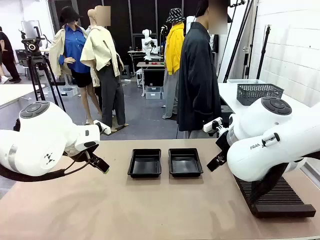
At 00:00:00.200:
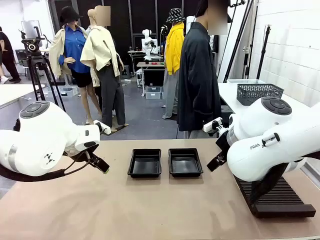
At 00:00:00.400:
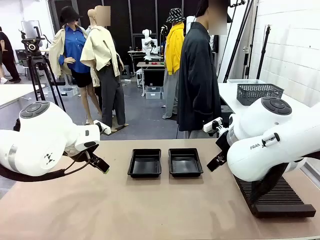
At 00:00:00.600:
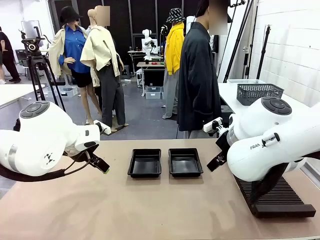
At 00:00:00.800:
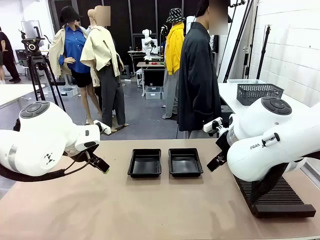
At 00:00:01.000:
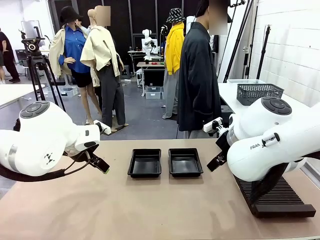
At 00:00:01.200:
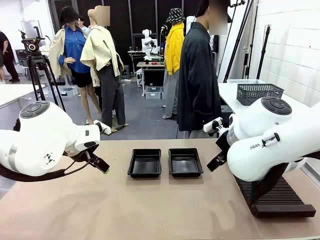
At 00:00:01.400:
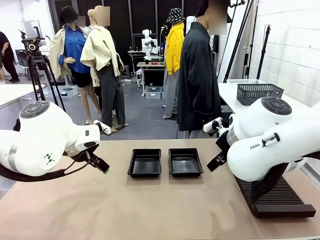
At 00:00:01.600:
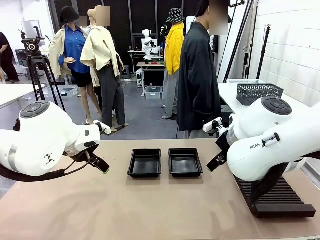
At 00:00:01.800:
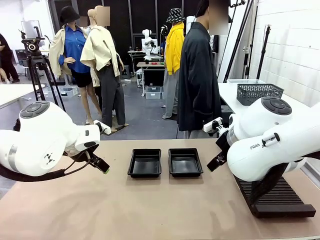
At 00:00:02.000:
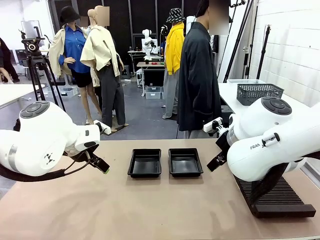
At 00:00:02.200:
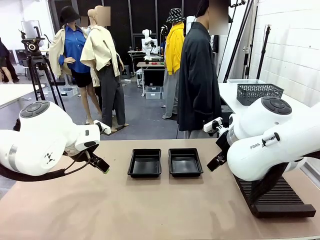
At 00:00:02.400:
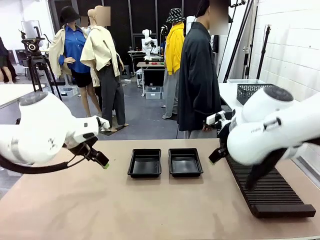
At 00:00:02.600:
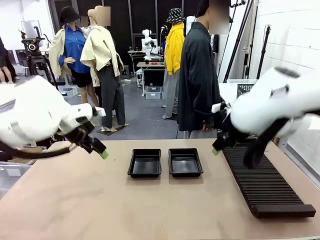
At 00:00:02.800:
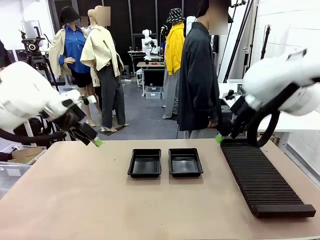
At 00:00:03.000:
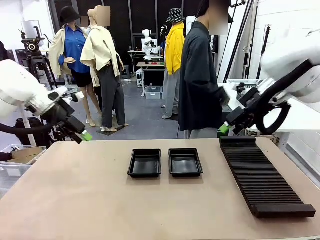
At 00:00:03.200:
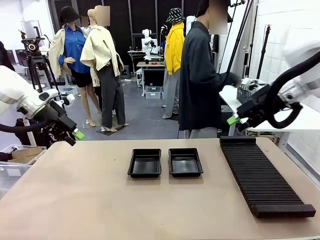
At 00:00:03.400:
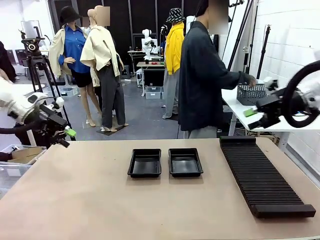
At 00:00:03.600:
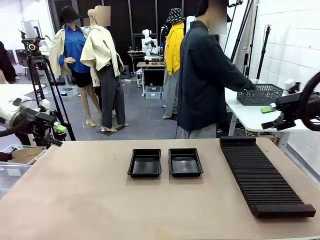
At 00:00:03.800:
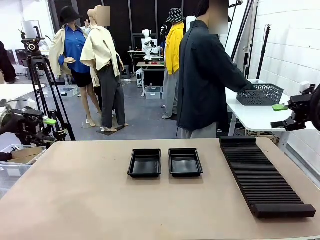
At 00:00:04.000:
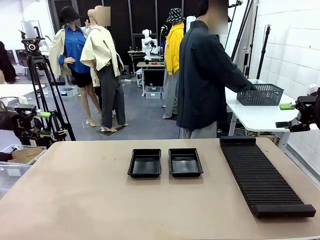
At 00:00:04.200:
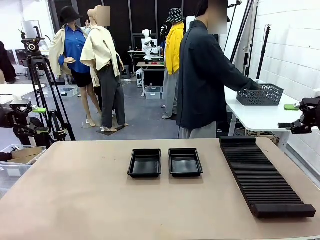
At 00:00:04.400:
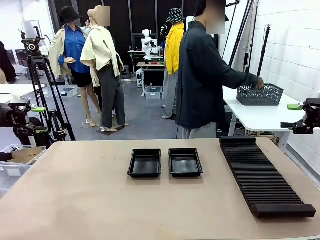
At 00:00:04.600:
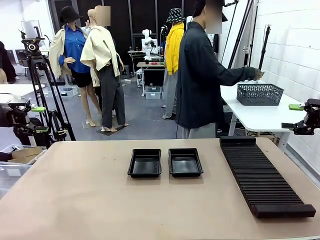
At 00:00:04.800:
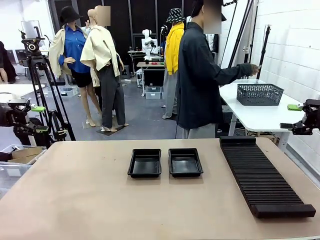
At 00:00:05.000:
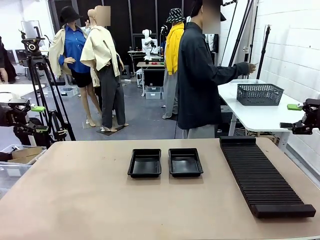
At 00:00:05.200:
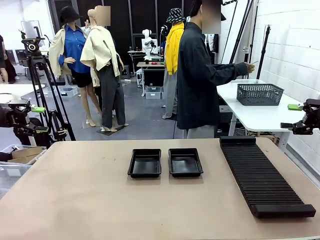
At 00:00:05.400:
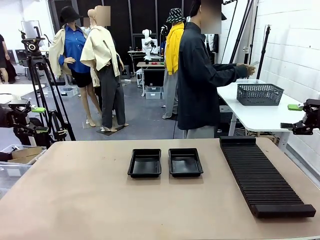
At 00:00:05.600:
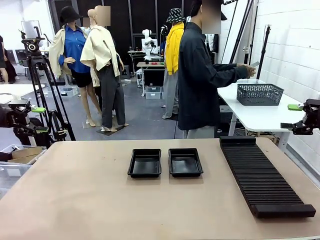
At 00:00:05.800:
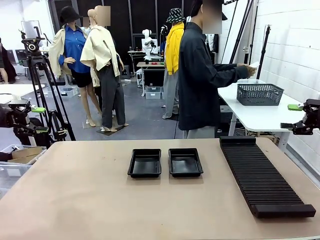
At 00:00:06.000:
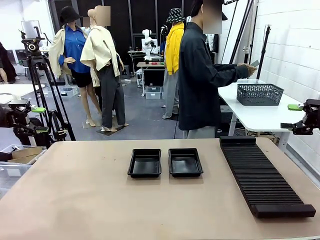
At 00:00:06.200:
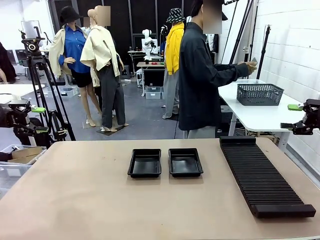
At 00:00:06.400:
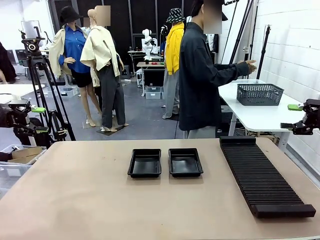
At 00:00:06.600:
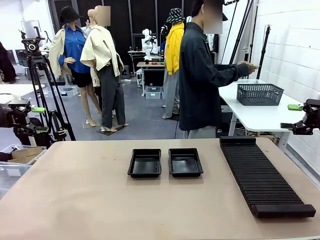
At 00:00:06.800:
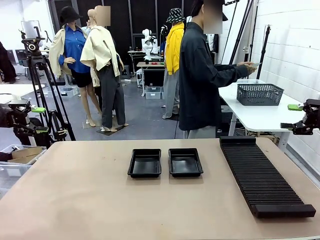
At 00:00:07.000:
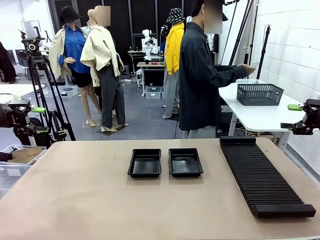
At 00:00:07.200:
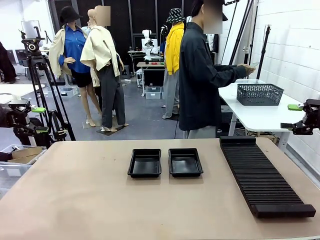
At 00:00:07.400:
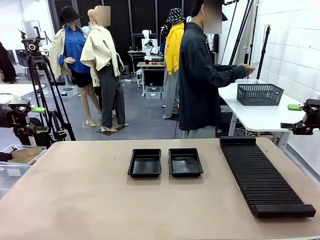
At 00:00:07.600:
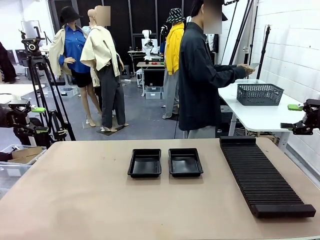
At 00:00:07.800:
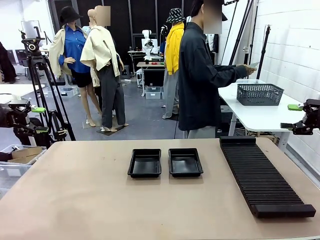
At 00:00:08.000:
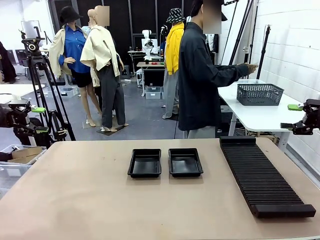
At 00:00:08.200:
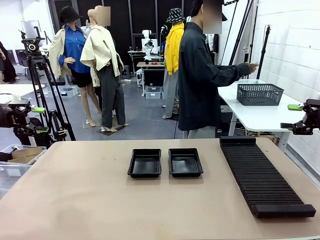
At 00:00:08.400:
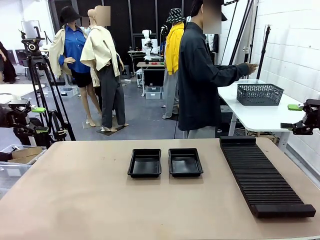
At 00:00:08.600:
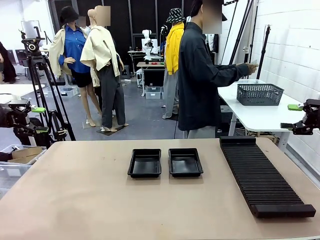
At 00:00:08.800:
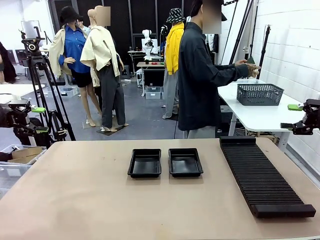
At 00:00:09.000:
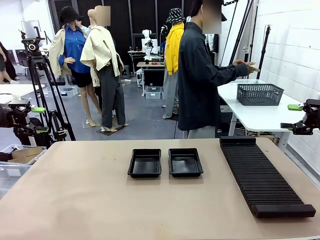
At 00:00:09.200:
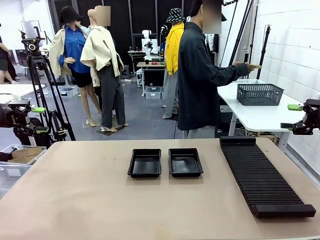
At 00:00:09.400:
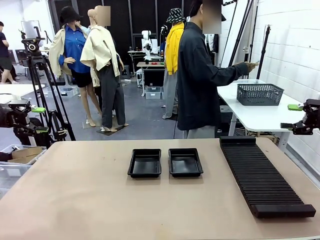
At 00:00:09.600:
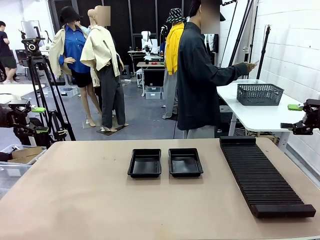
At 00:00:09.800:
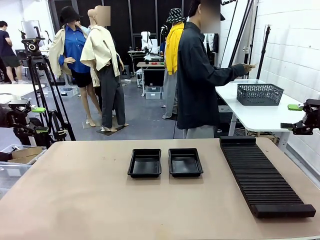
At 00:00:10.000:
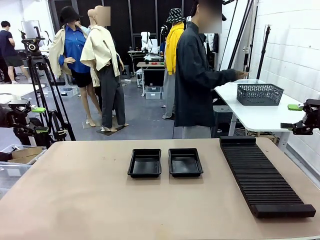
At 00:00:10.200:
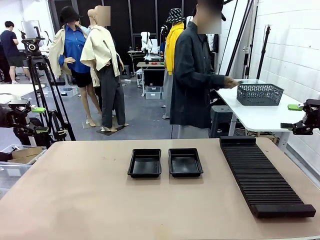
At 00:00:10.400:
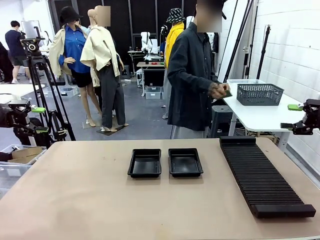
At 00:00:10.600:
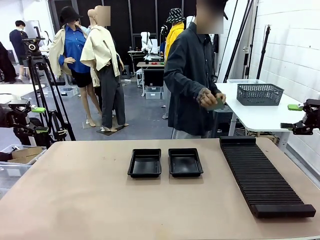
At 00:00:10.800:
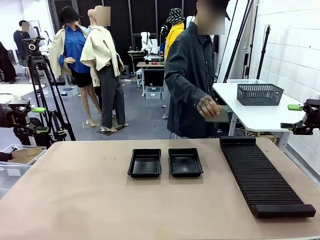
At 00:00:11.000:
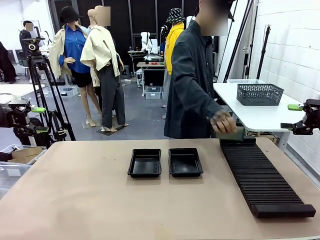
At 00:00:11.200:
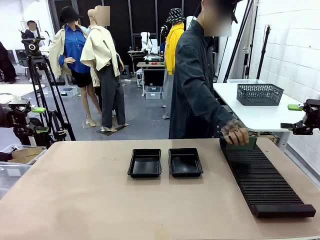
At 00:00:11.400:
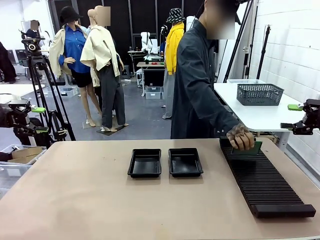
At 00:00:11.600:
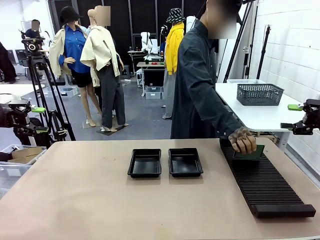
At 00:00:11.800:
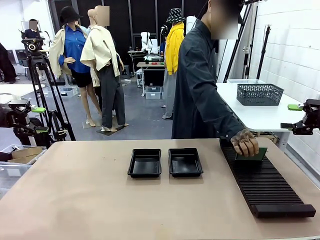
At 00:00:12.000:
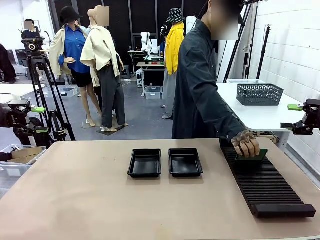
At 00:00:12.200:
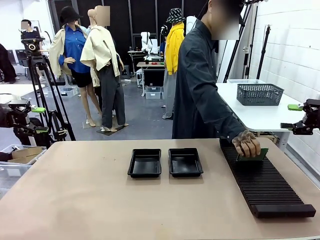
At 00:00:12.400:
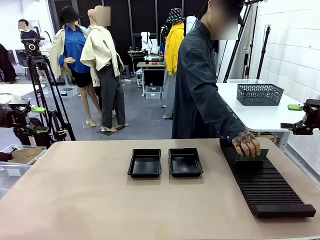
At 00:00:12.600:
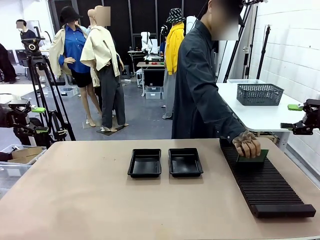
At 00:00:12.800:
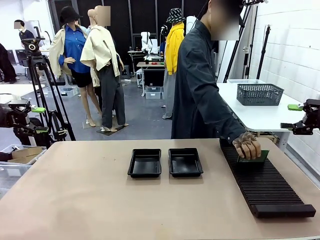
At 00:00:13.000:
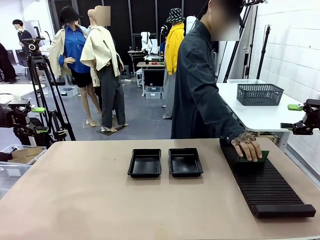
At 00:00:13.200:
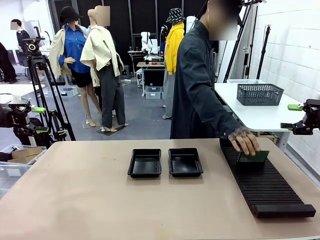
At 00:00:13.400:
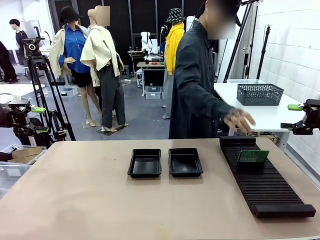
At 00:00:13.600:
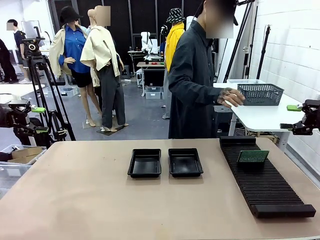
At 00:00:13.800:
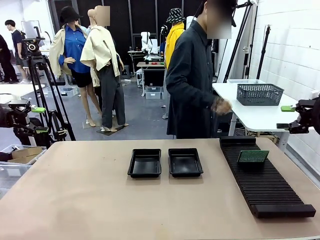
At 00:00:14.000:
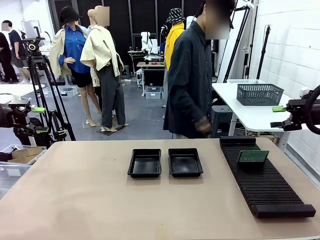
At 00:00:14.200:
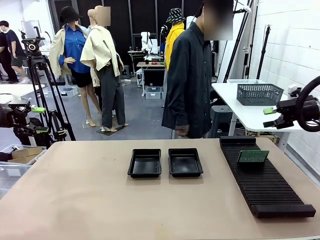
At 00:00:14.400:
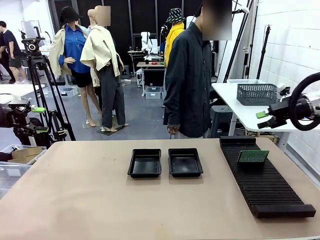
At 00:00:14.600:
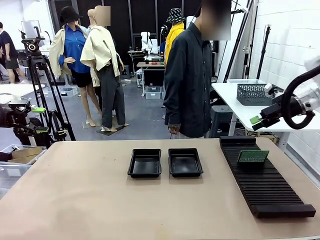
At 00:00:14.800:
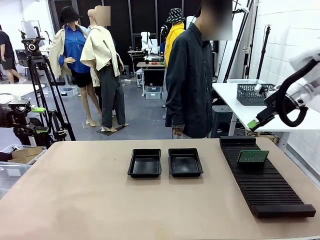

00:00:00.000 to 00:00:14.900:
Task: Inspect and transfer BCBs to ESD trays.
Robot: Pick up the Blank PCB from the PCB Rack and place it in the left ESD tray.

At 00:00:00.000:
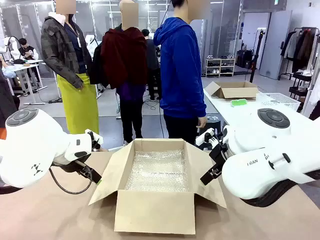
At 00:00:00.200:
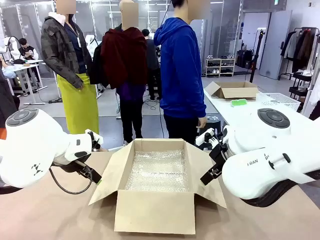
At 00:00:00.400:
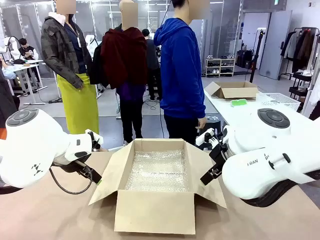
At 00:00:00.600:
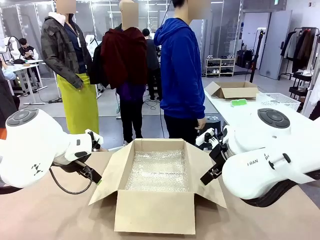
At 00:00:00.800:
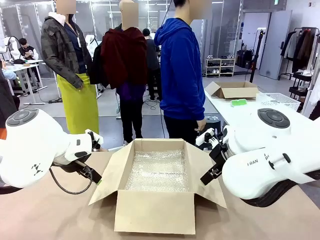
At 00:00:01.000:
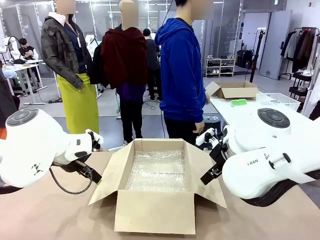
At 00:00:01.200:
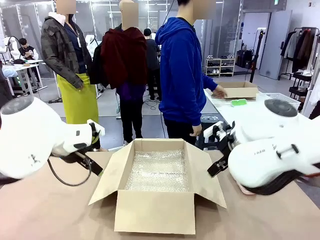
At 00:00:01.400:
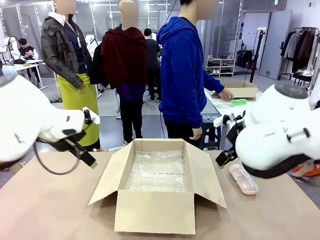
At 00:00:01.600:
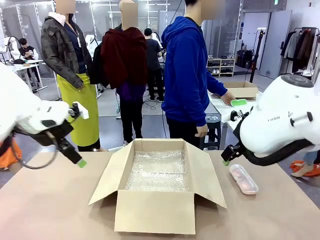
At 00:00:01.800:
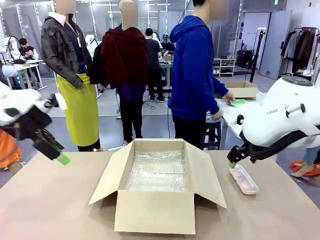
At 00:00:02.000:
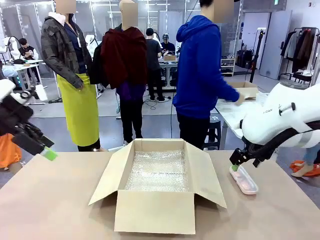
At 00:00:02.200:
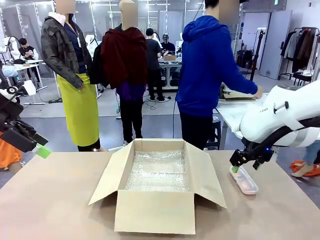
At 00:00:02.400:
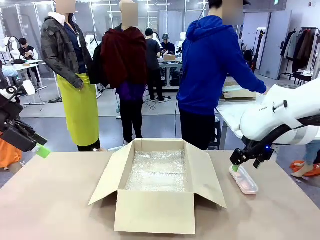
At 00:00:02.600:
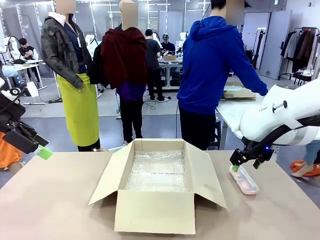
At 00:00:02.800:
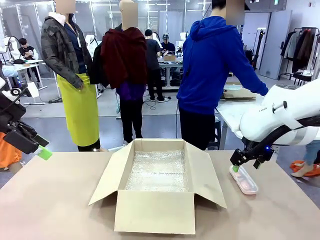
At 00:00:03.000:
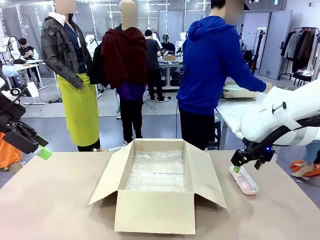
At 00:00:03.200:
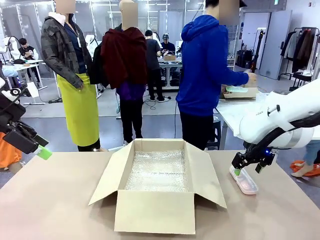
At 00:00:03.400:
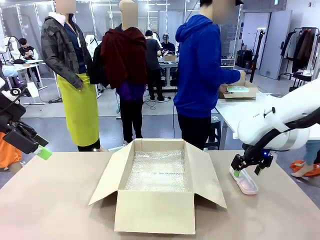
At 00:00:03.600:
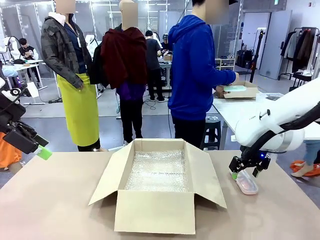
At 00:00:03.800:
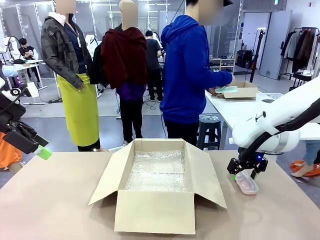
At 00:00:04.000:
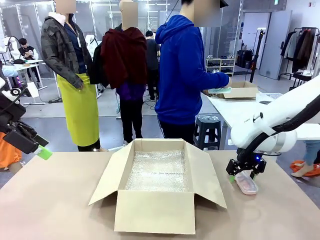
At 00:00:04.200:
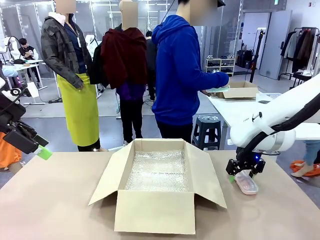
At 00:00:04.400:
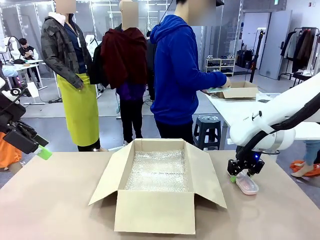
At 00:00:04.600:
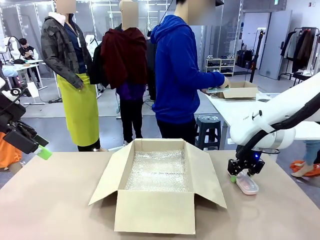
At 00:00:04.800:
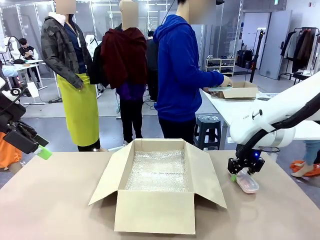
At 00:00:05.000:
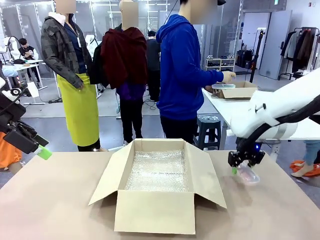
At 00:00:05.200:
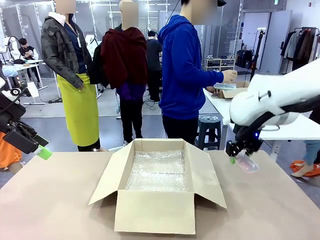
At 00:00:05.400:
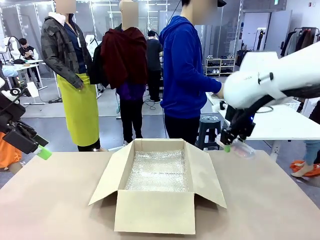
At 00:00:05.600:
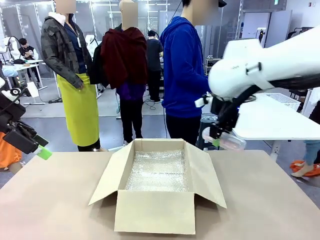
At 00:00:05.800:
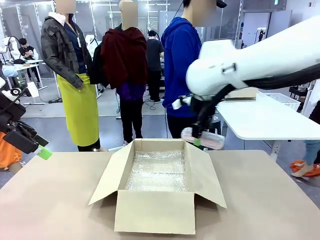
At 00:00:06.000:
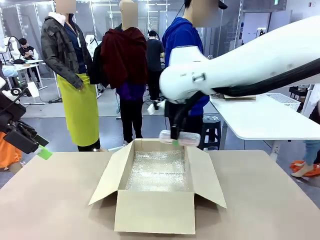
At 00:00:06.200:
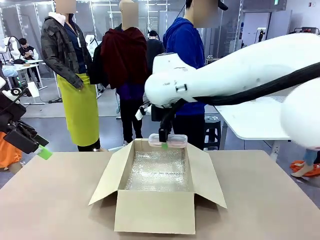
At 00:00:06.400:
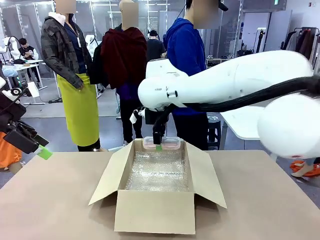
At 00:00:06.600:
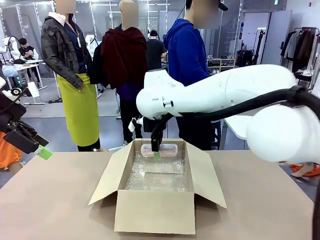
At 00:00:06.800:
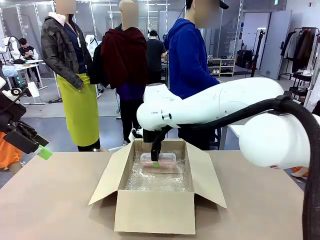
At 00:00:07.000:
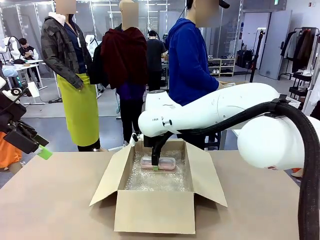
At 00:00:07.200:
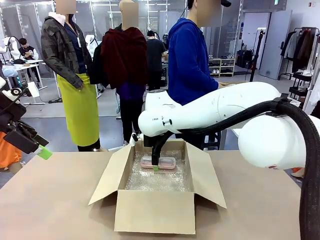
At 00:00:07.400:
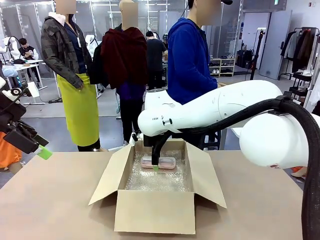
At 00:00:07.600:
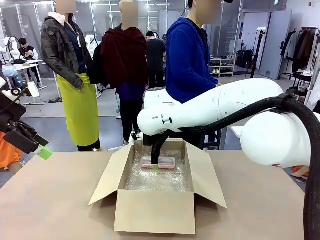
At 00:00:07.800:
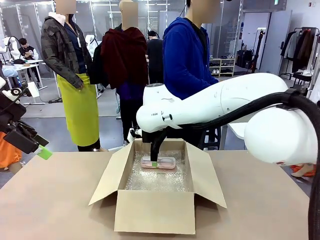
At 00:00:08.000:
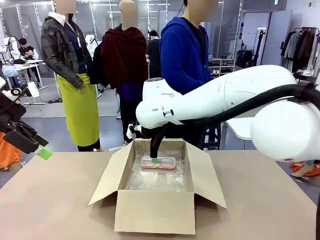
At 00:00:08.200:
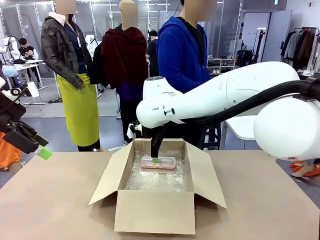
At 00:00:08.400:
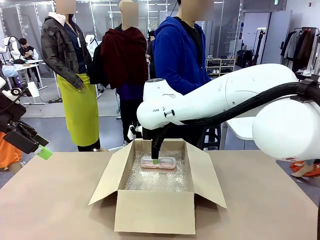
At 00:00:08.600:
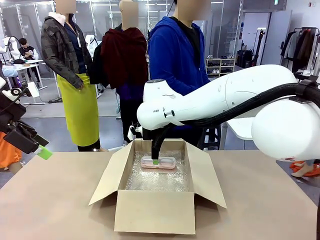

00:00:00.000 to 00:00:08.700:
Task: Pack the glasses set securely to prepare it for shipping.
Robot: Place the Glasses case inside the Package Box.
Person: Place the Glasses inside the Glasses case.
